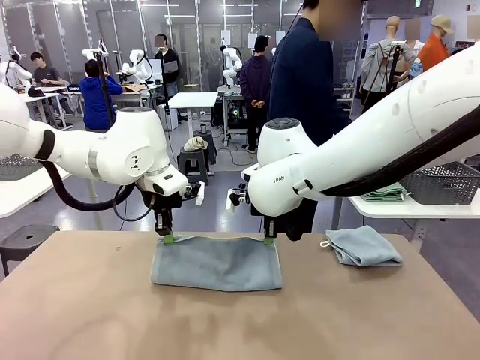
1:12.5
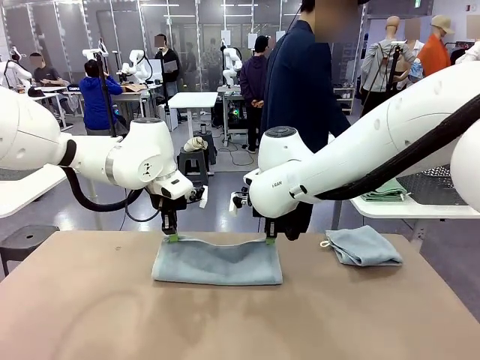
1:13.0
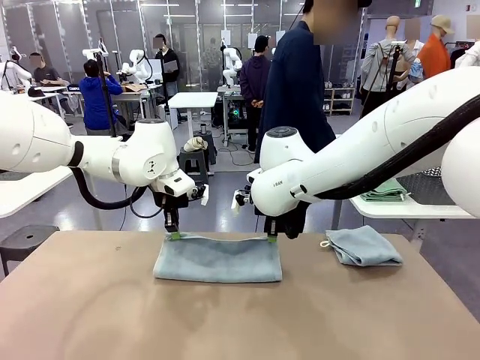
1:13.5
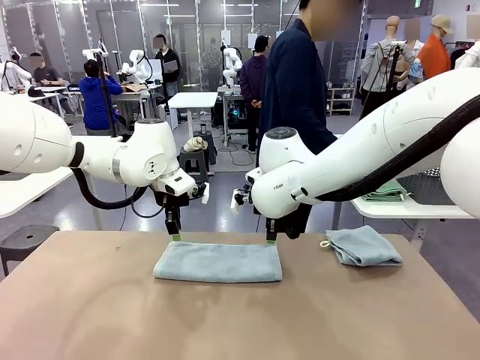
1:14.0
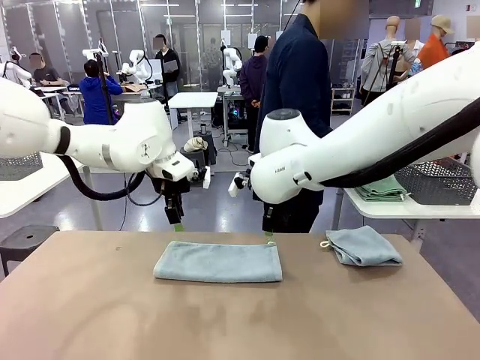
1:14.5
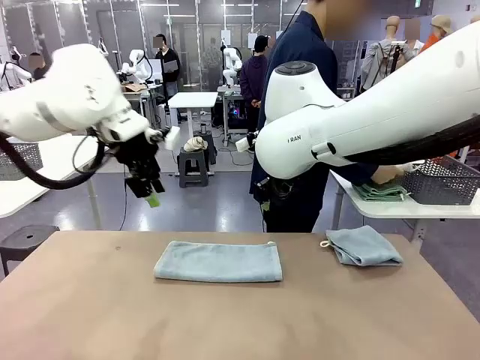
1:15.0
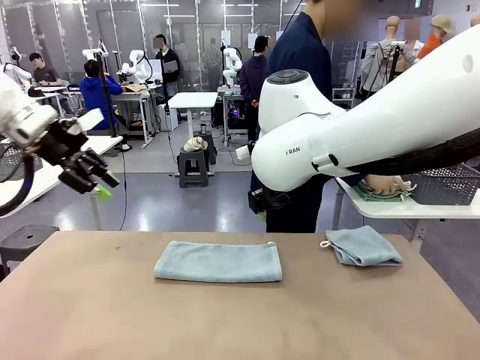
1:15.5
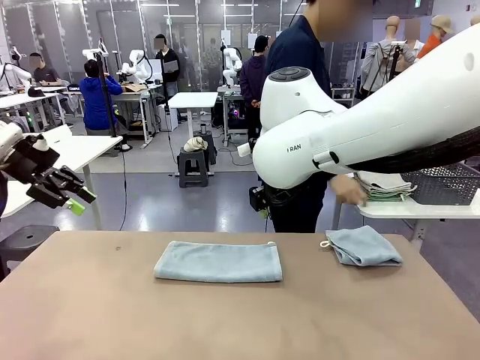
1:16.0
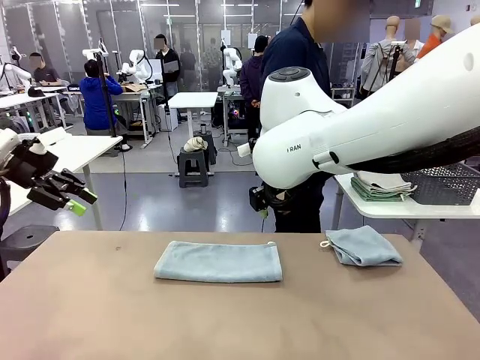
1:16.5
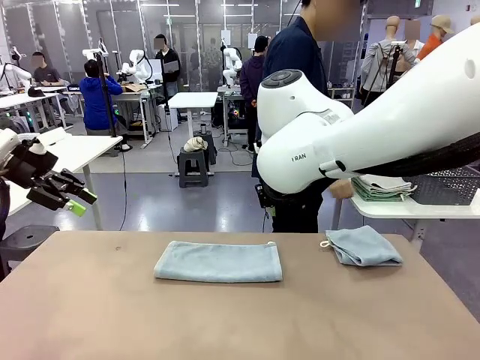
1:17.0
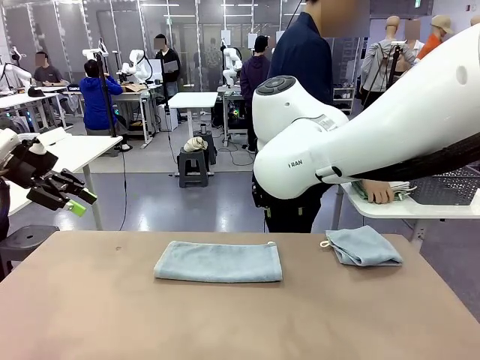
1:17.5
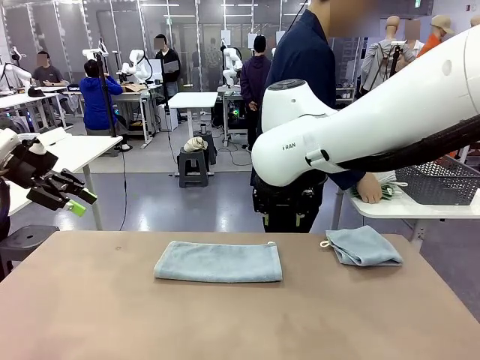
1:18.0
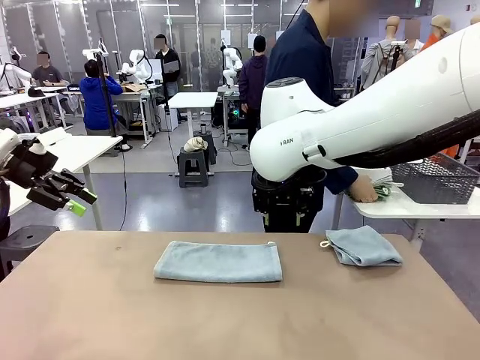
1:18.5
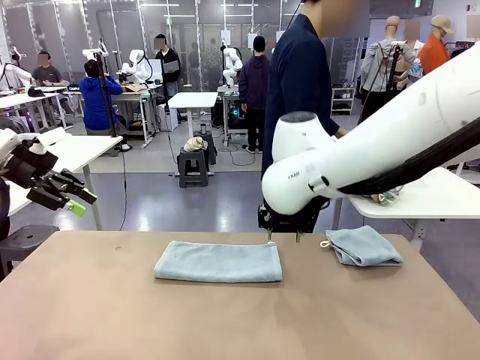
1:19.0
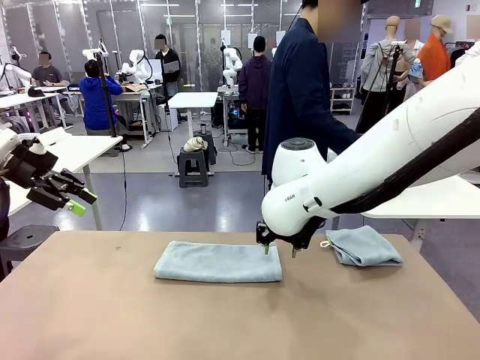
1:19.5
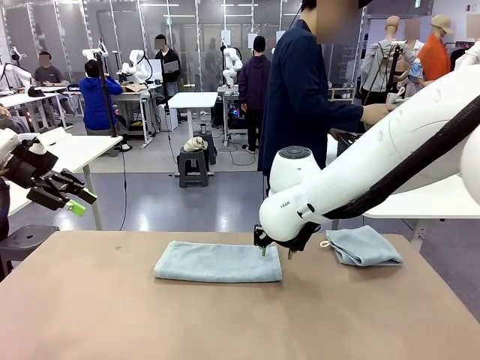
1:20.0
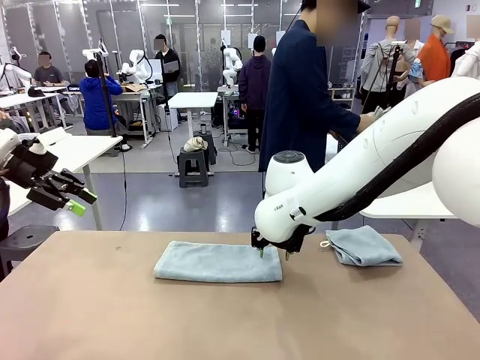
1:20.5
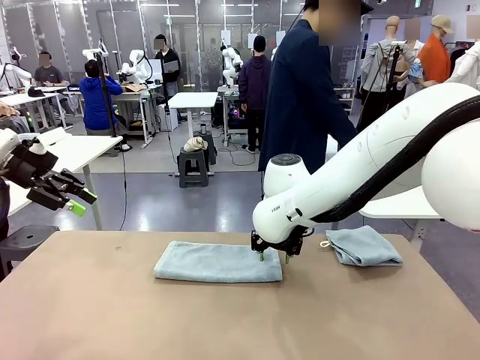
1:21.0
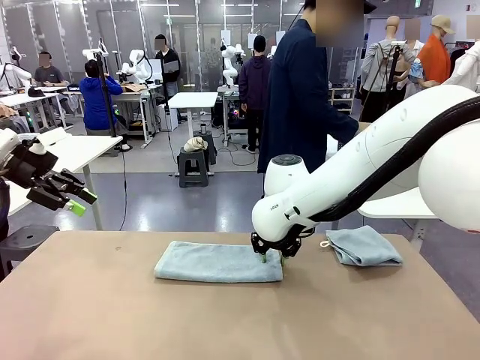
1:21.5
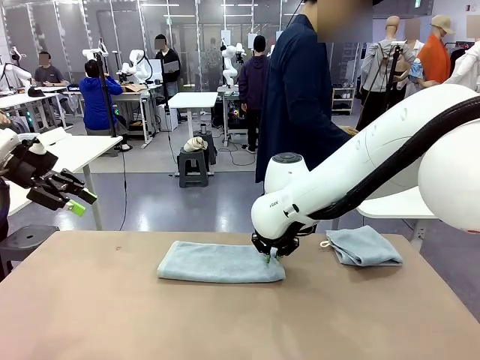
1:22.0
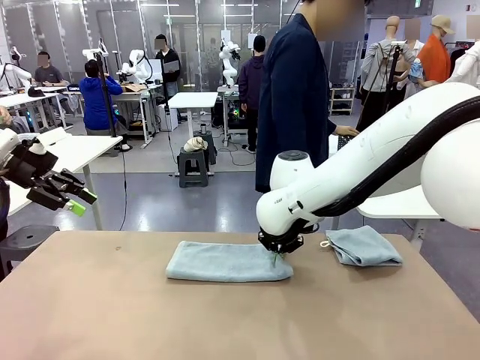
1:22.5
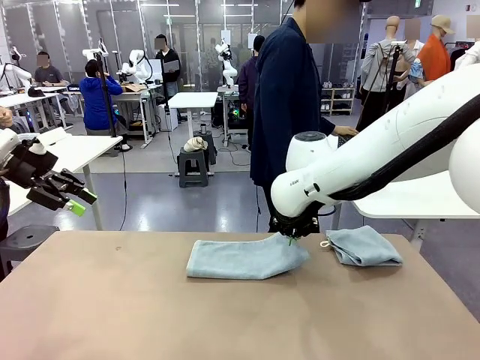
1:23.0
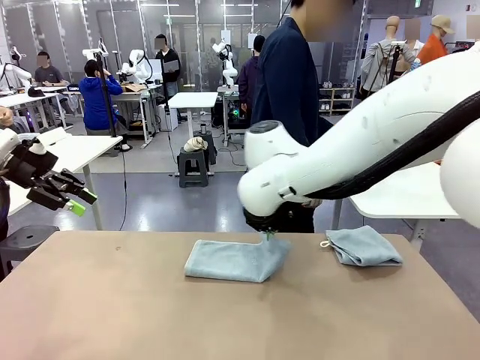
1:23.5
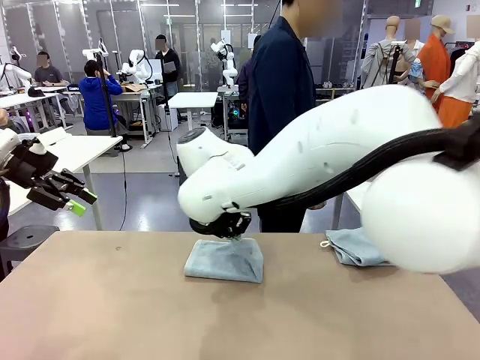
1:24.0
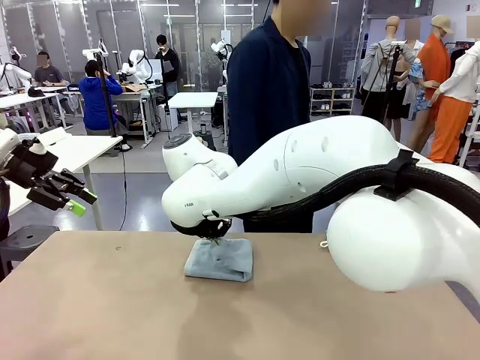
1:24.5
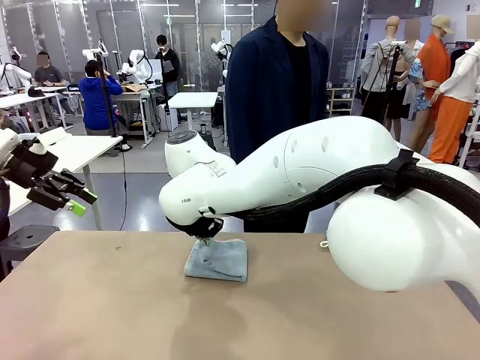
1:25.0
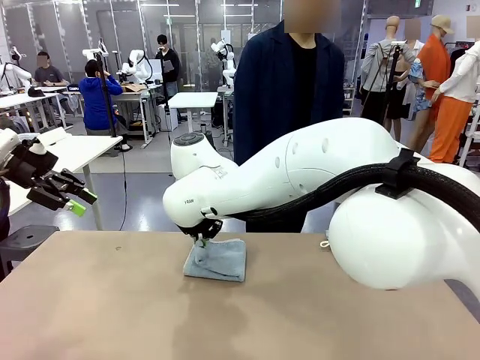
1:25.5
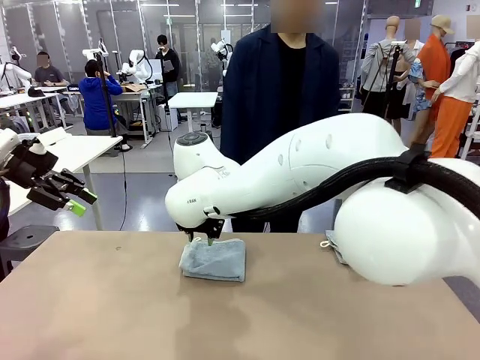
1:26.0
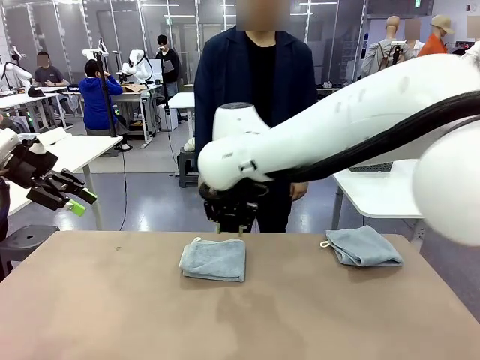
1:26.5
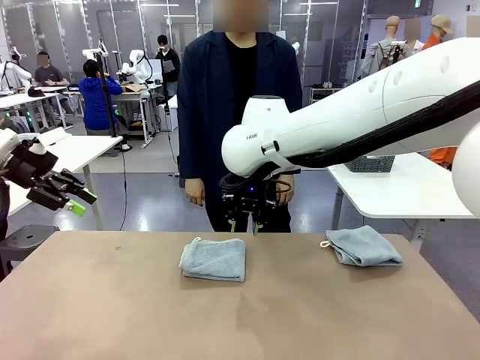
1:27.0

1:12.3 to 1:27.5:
Task: Fold the towels and place them in the basket.
Robot: When a person lays out a Towel with hook on the table, fold it in half twice.
Person: Pick up the stack of towels from the right side of the human table, place it into the basket, and put the basket at the center of the table.

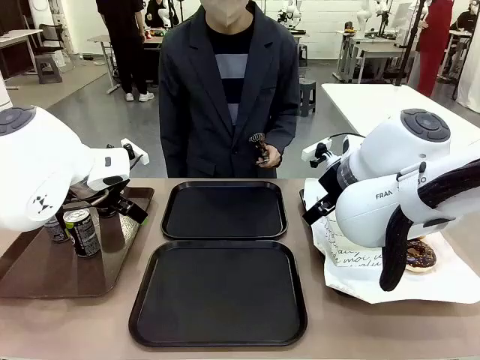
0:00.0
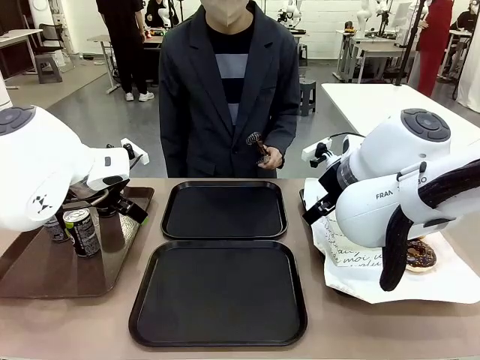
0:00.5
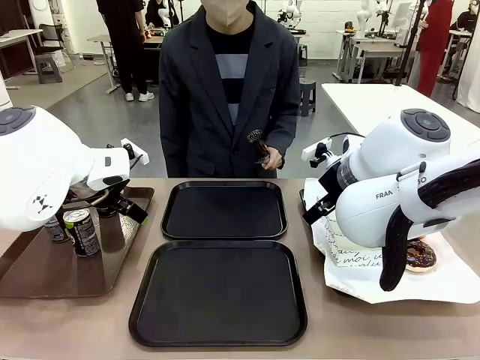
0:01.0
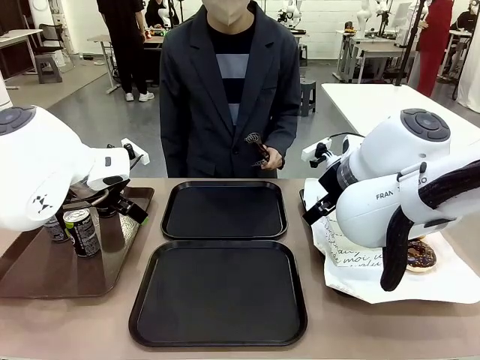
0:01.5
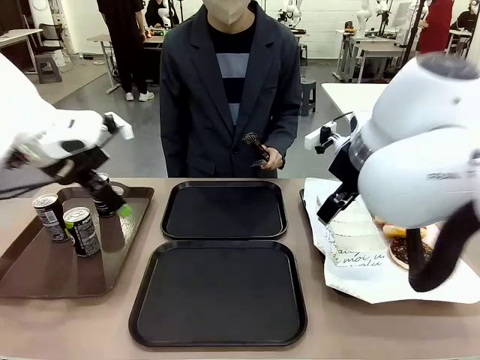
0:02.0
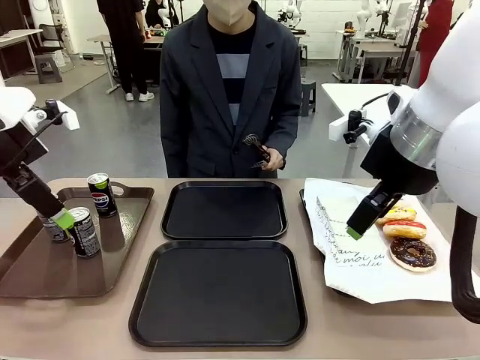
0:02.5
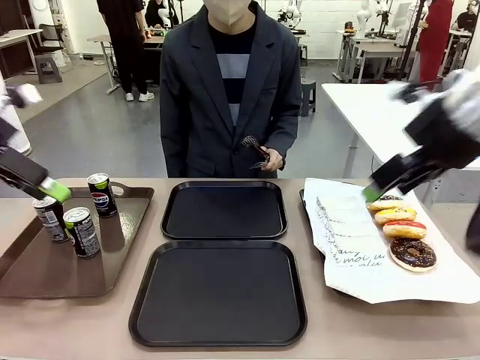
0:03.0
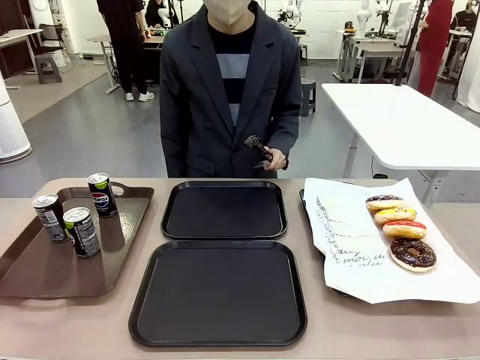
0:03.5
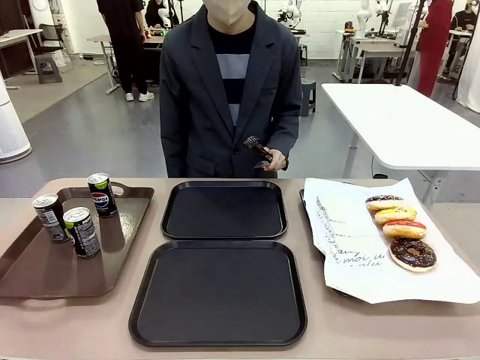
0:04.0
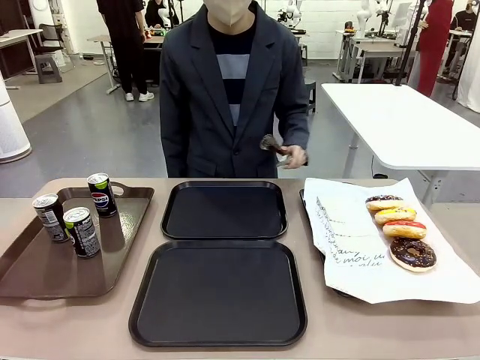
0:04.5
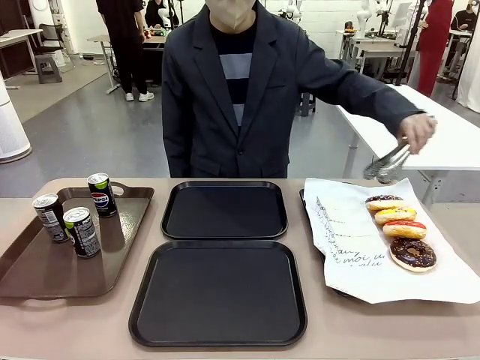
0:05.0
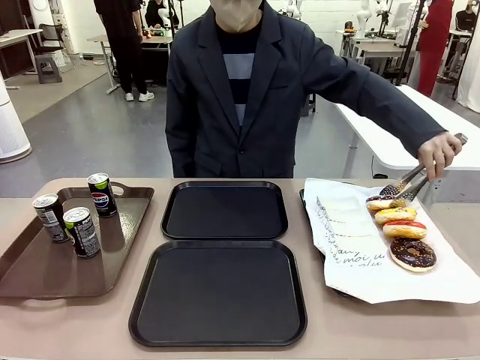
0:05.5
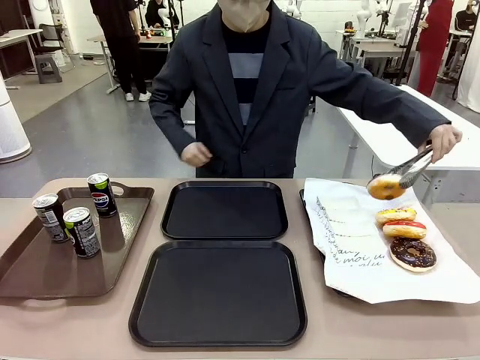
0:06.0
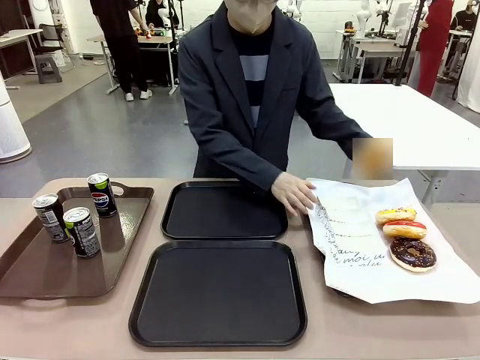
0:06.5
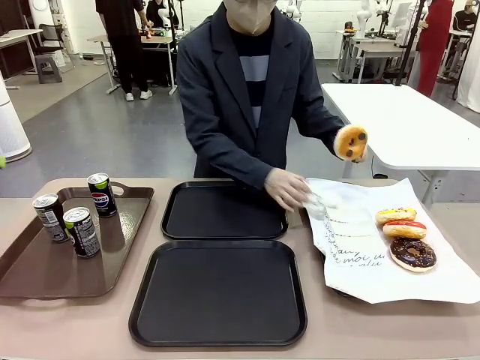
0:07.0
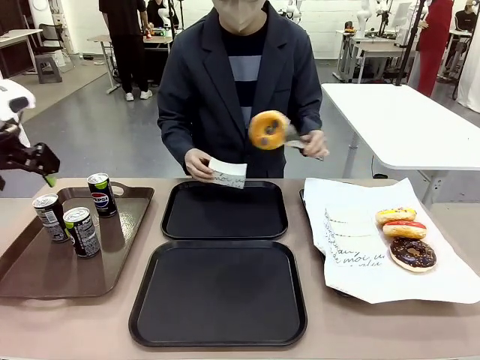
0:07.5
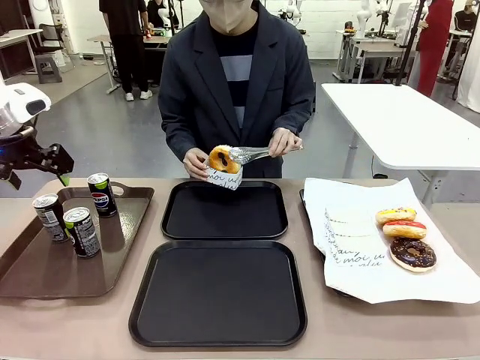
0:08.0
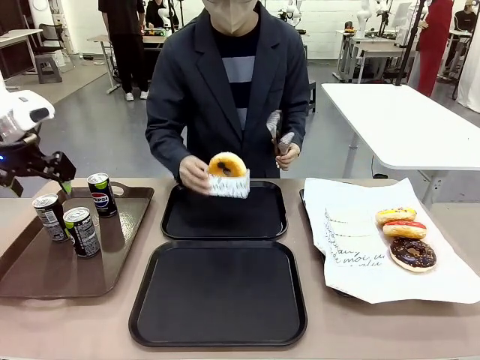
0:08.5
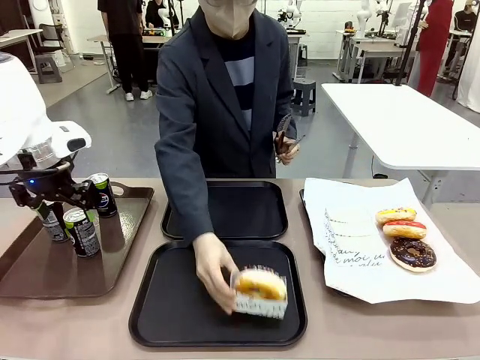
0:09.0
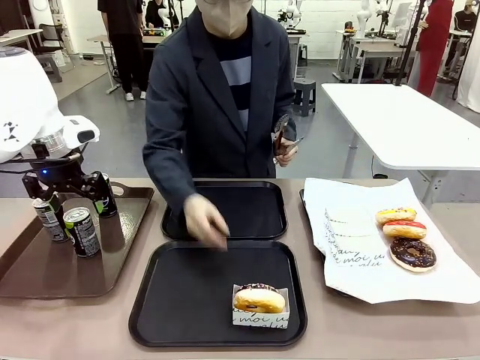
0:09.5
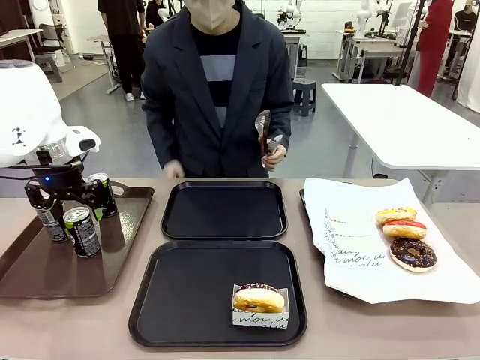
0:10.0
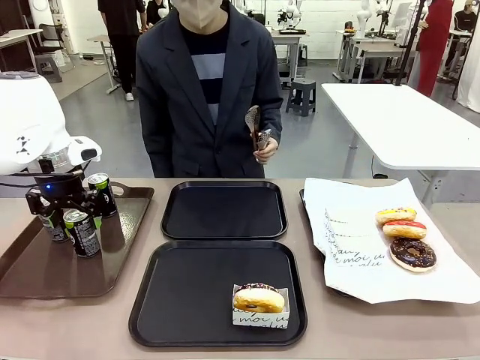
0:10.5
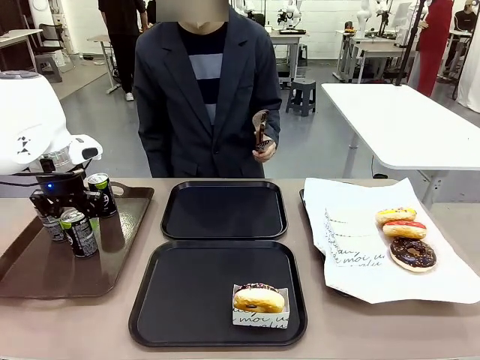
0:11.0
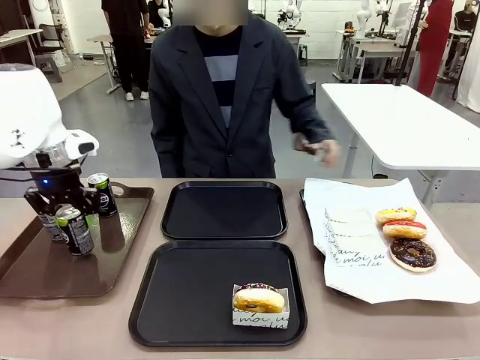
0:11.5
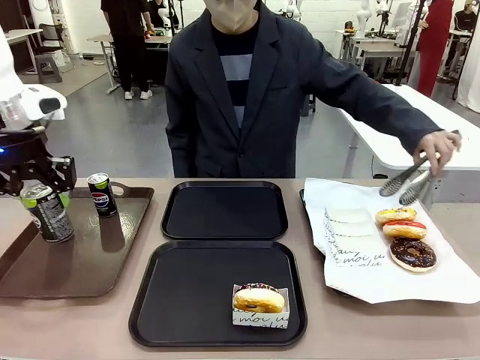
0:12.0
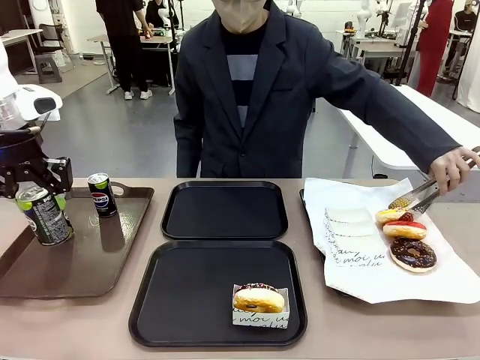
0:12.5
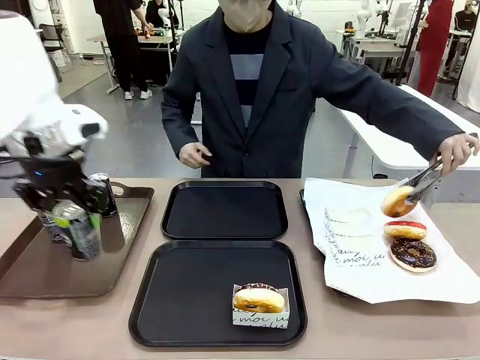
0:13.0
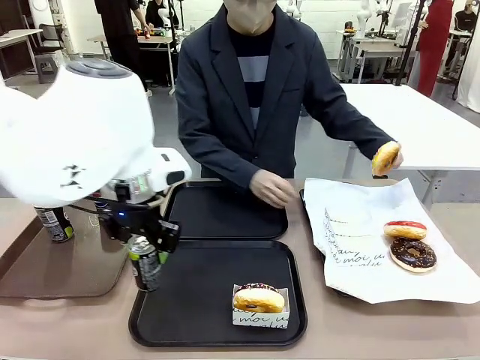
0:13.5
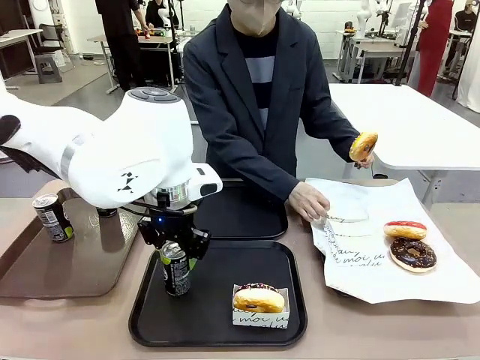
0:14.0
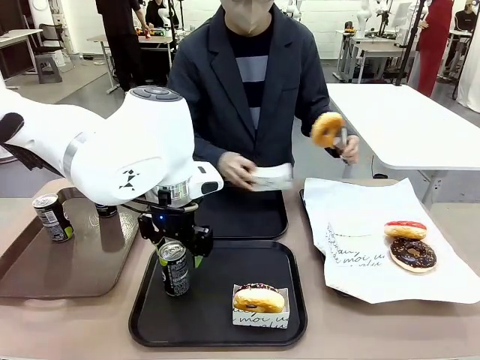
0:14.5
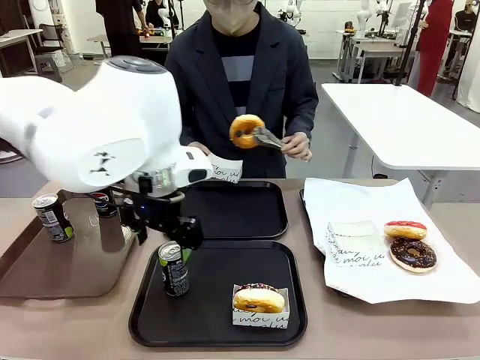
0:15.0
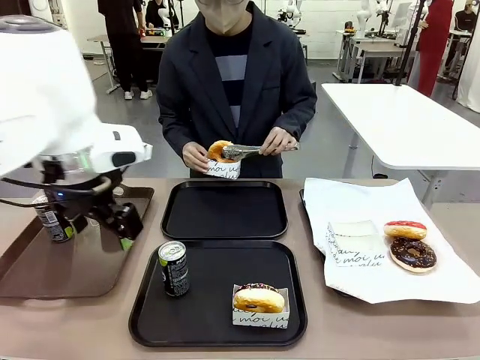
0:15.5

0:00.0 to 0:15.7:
Task: Set up donuts and drinks on trays.
Robot: Pick up one Pepsi coke and place it on the Flat Tray.
